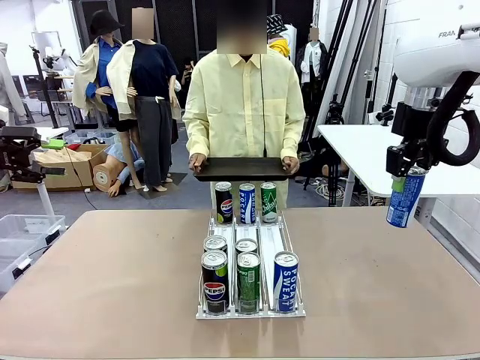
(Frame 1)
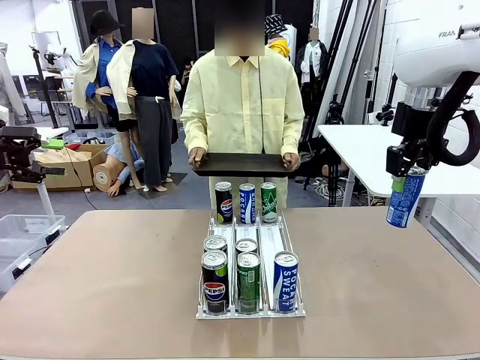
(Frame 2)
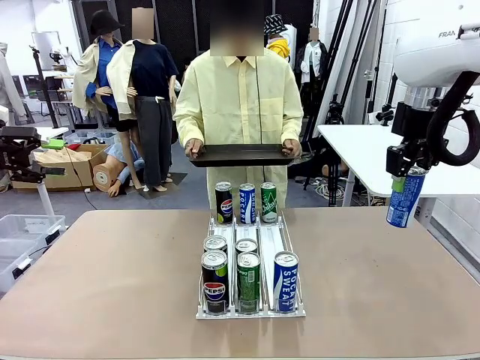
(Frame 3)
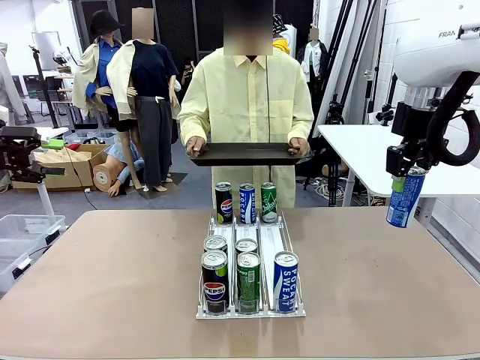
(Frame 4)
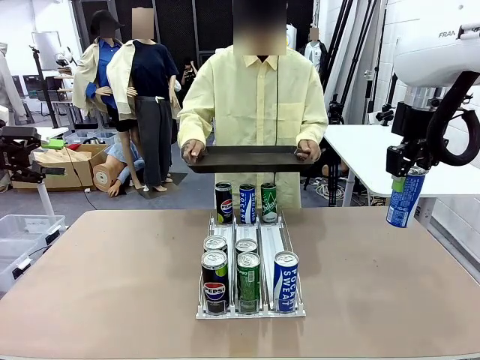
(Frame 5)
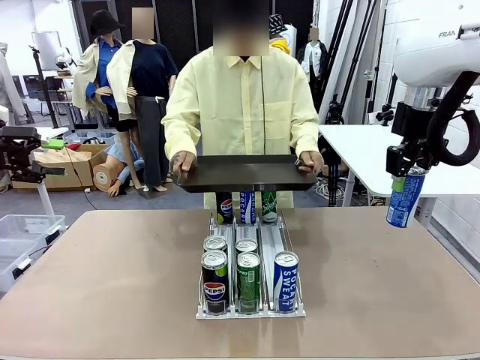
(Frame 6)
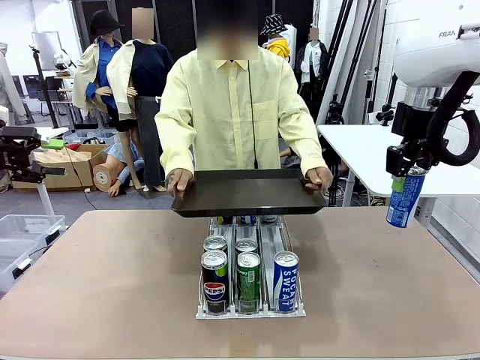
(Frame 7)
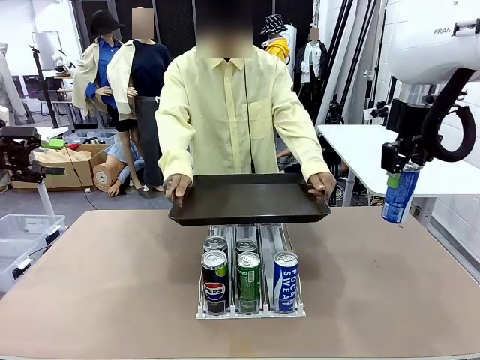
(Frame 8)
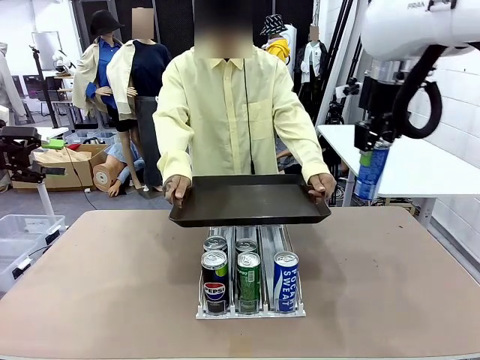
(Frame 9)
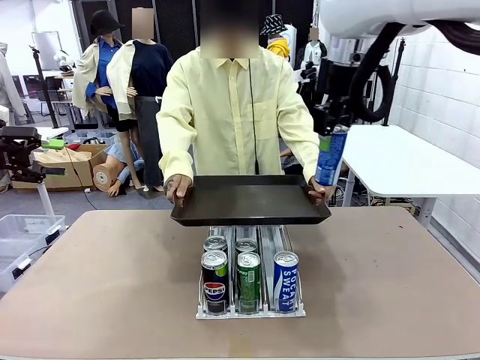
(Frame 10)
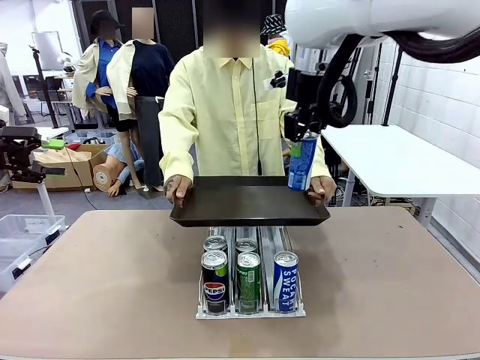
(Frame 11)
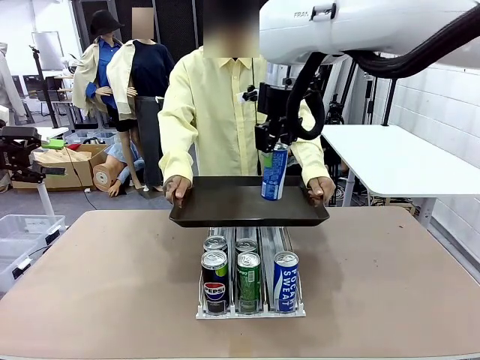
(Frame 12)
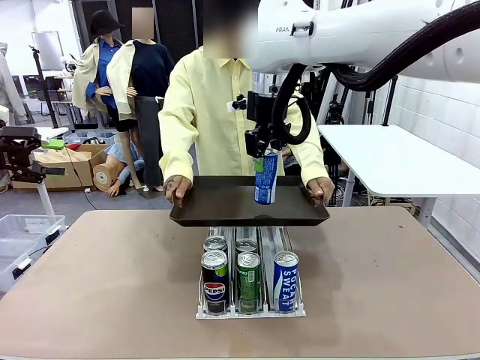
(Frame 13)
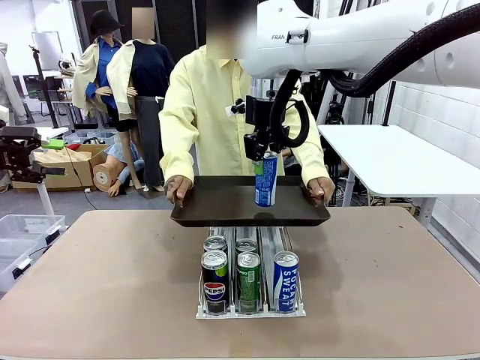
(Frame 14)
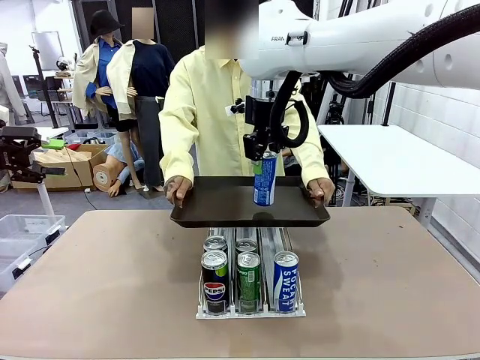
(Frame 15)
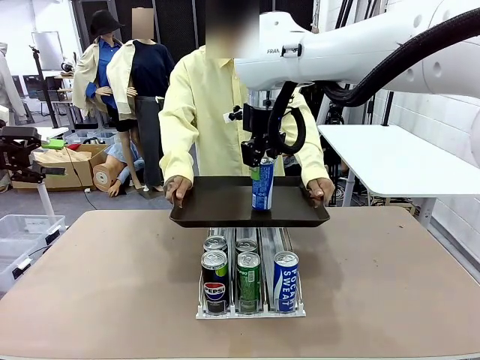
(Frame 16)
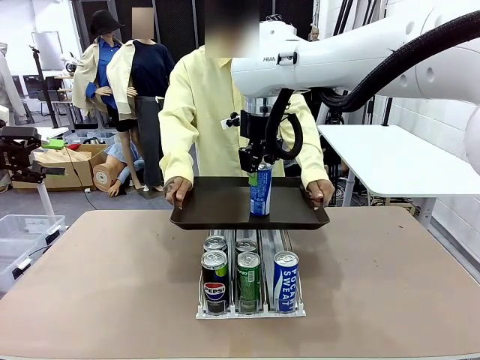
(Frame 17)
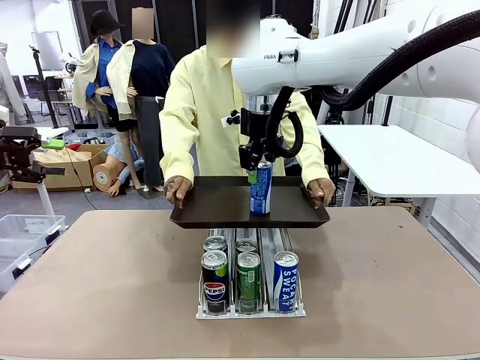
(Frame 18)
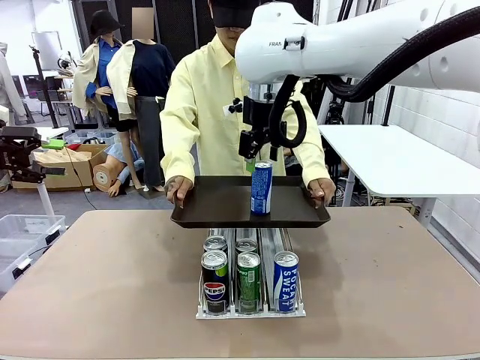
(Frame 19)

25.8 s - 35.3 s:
Task: Retrieve and hand over the desired beverage to the person.
Robot: Place the picked can on the Handle tray extended by the person.

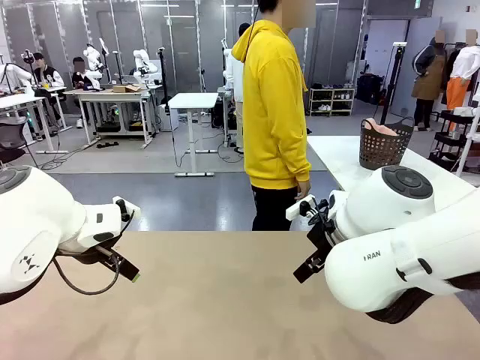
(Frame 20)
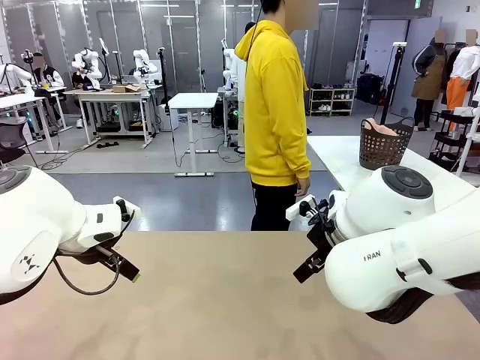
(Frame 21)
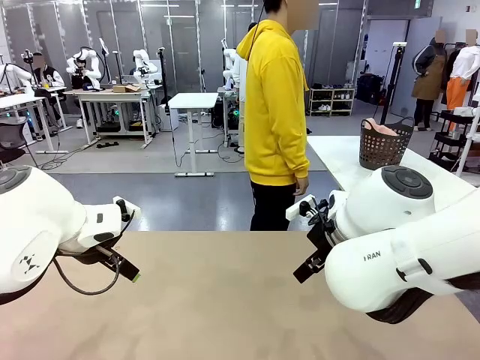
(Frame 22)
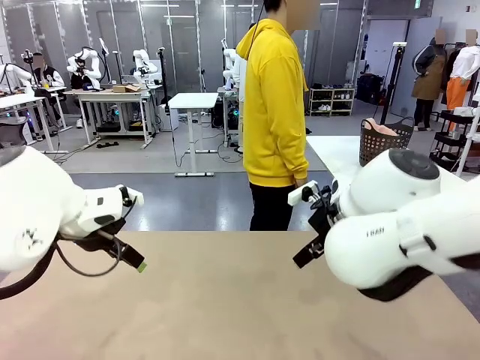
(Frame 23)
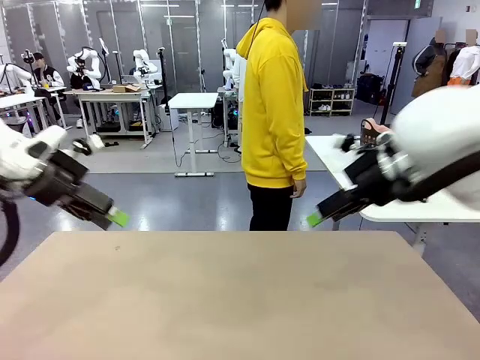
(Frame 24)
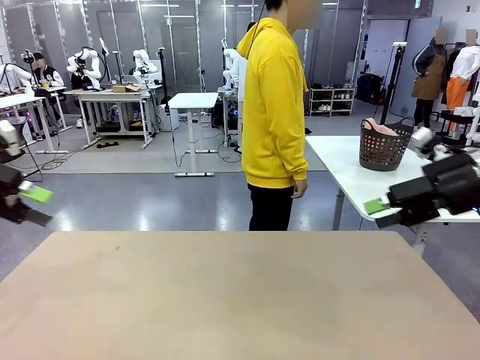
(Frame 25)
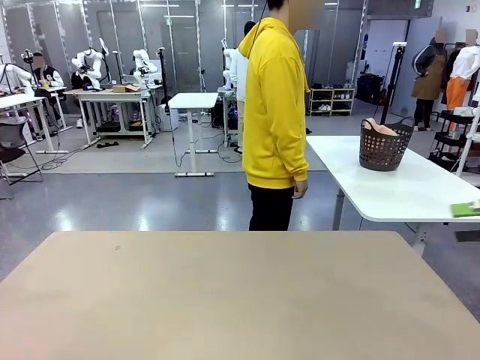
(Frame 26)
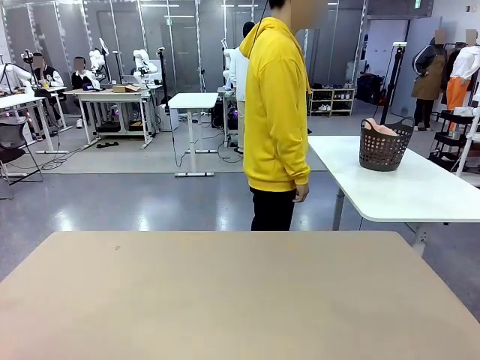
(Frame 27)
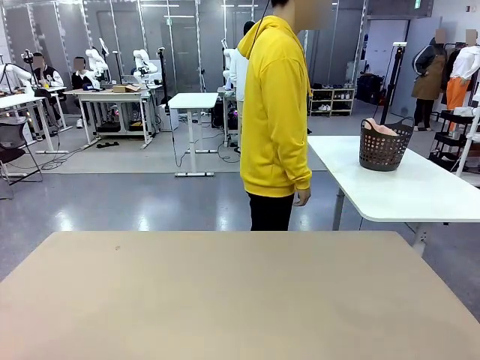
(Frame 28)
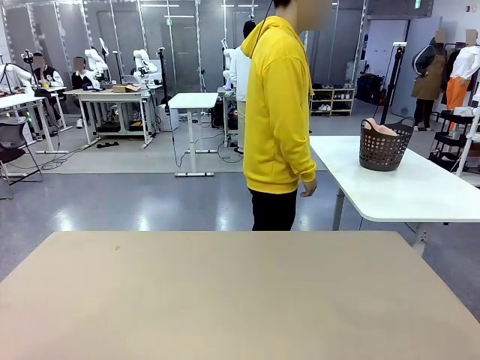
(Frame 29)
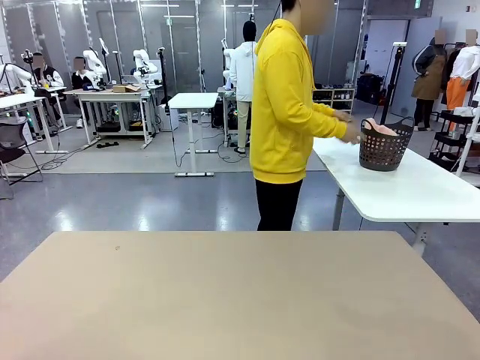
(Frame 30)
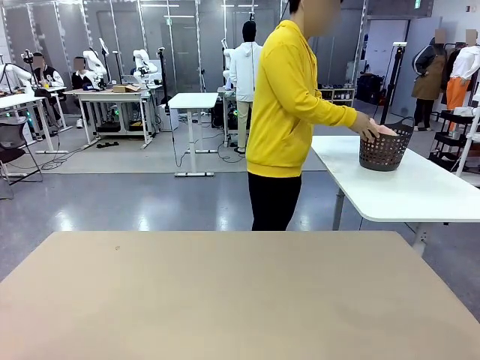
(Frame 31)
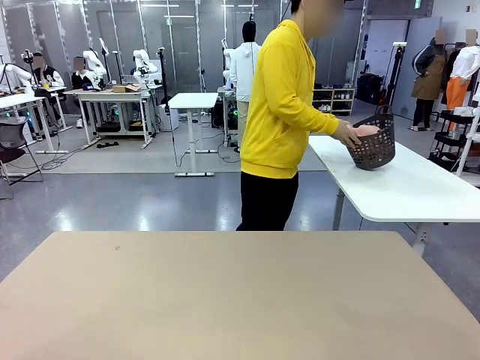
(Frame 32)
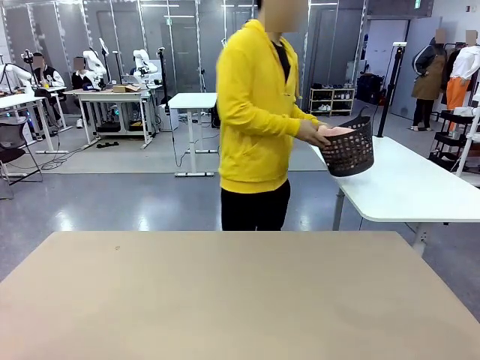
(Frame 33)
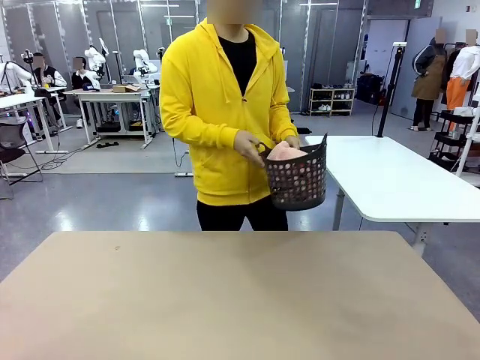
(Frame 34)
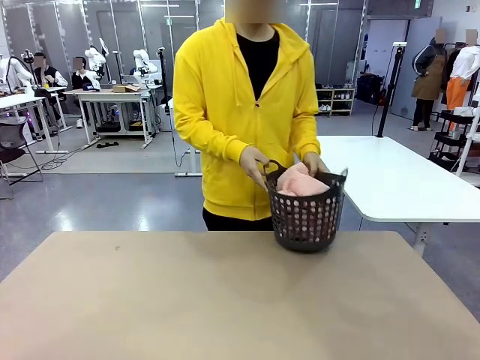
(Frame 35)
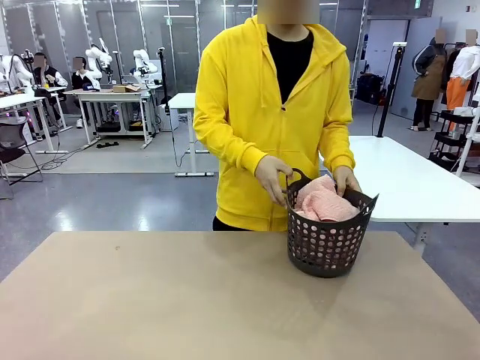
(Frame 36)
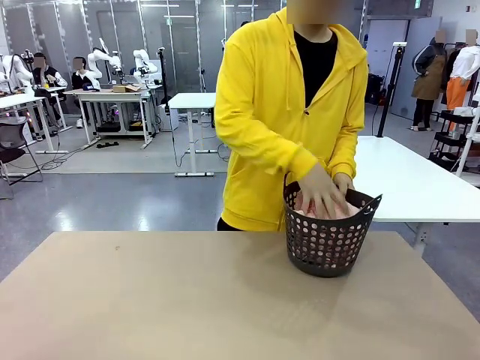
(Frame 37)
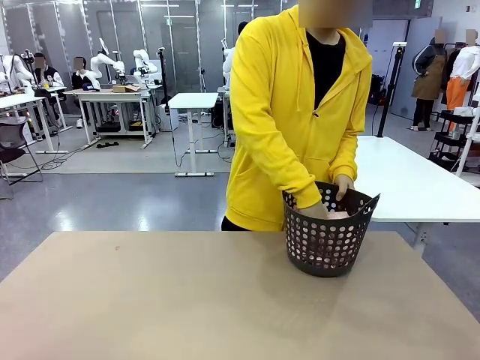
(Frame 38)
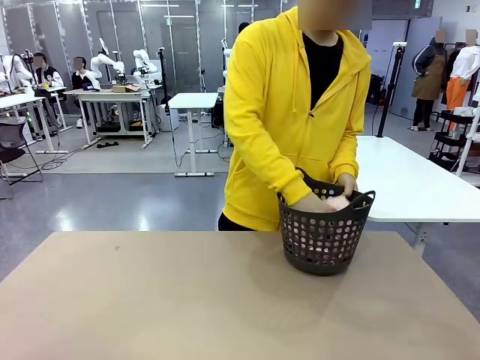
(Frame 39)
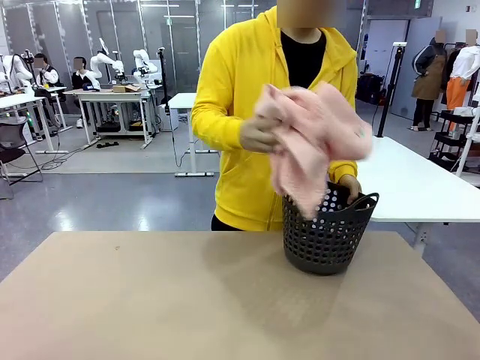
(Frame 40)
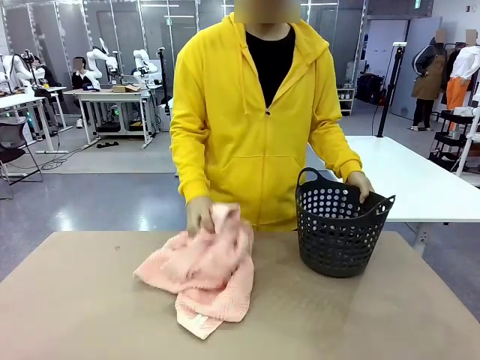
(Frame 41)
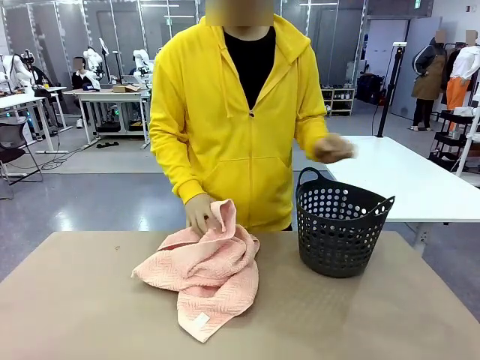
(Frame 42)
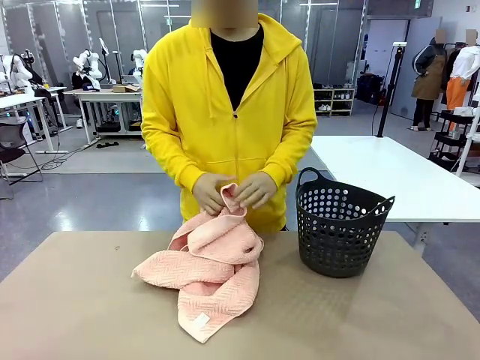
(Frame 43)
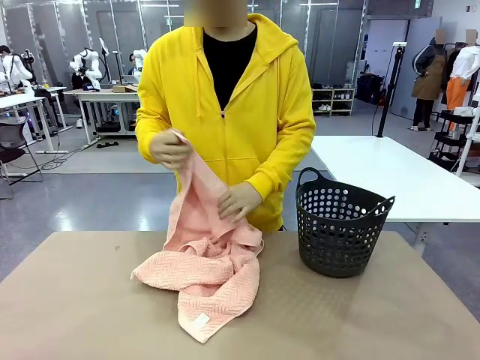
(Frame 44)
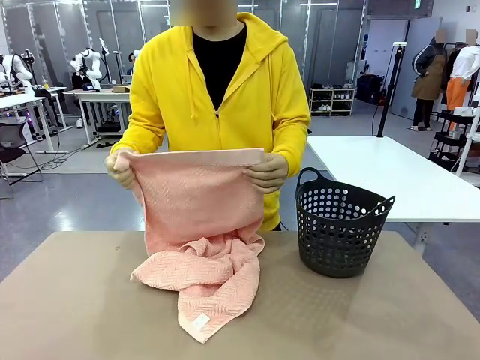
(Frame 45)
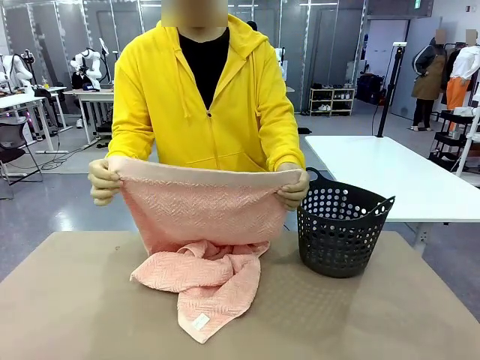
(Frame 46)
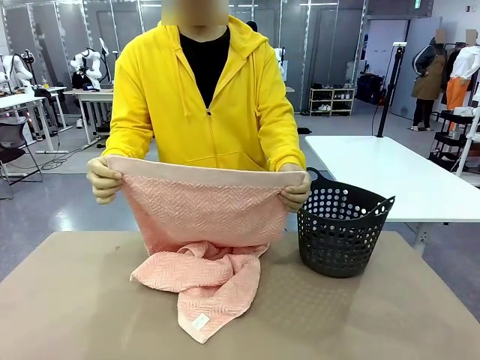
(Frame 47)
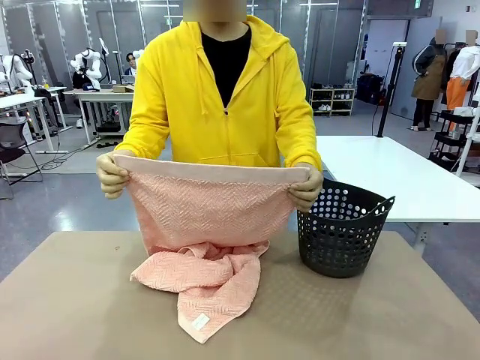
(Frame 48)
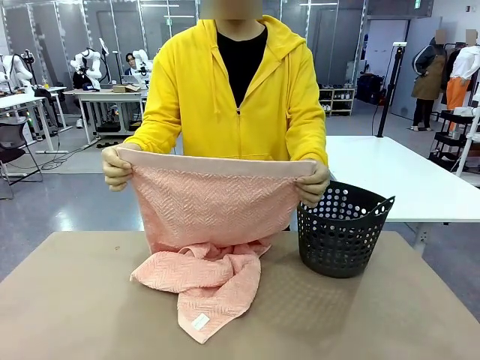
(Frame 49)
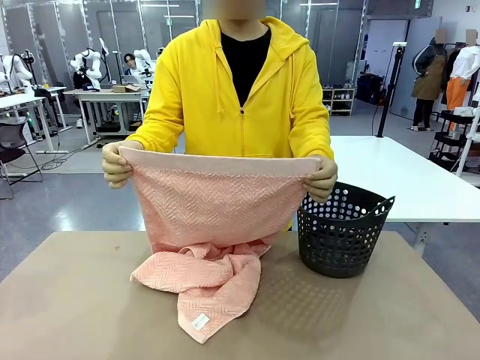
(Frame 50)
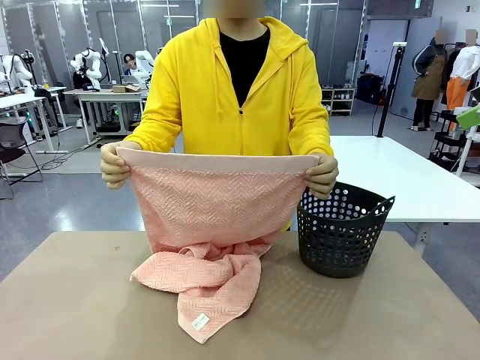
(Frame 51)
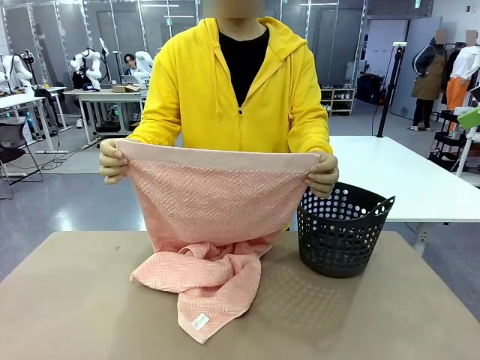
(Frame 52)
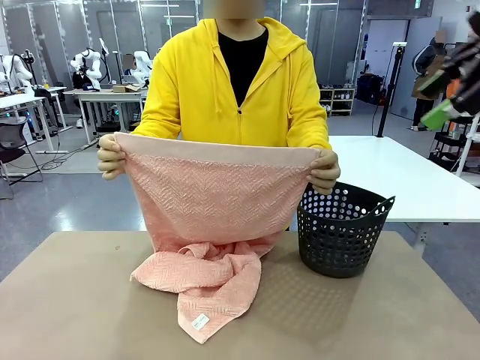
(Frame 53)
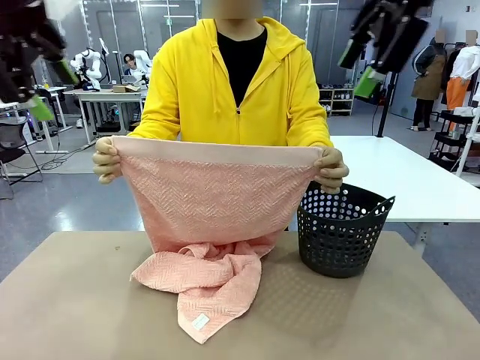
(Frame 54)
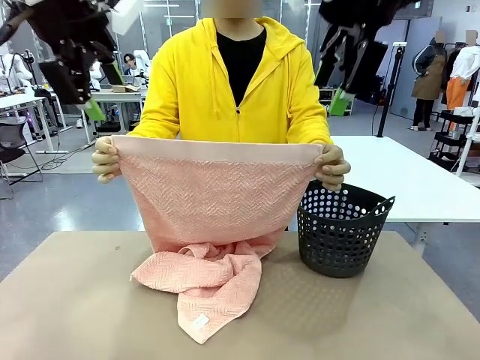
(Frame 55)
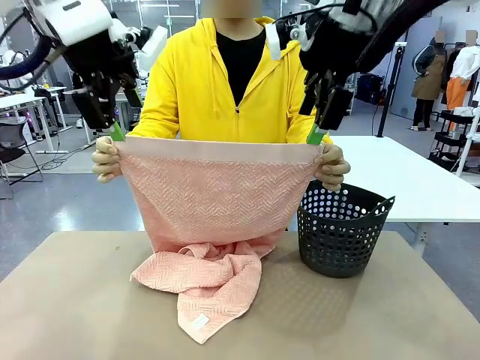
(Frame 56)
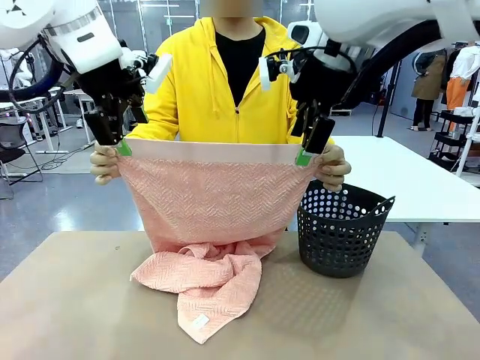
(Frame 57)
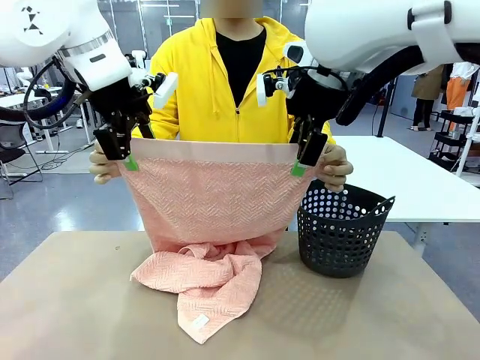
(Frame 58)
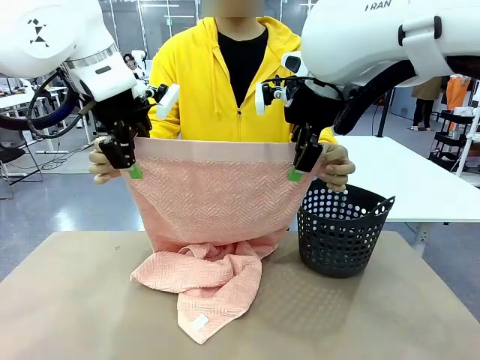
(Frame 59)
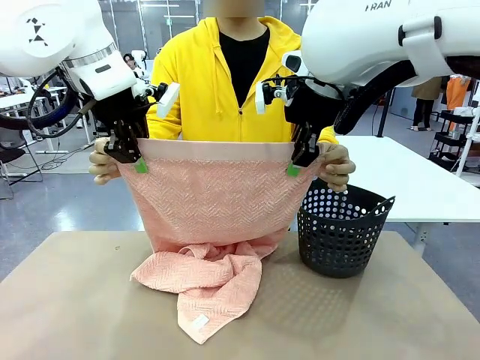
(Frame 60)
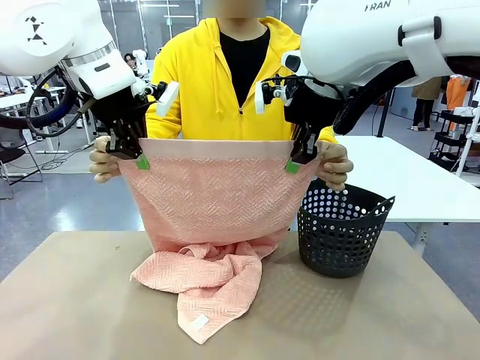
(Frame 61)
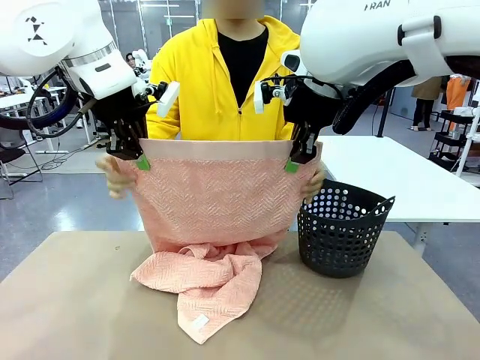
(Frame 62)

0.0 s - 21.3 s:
Task: Fold the towel.
Robot: Grab the top end of the 100 cm Hotel Towel extended by the human.
Person: Pick up the laundry basket, place it on the left side of the robot table, then take out a towel and hand it to the robot while holding both corners of one end.
